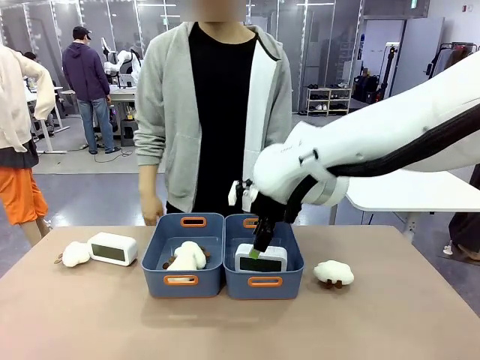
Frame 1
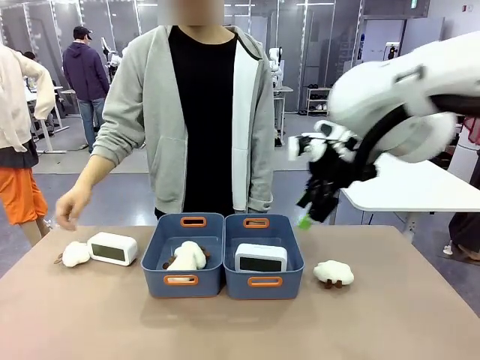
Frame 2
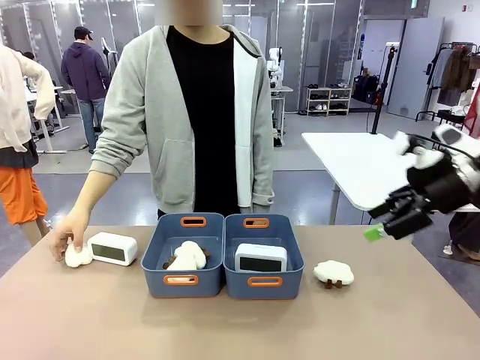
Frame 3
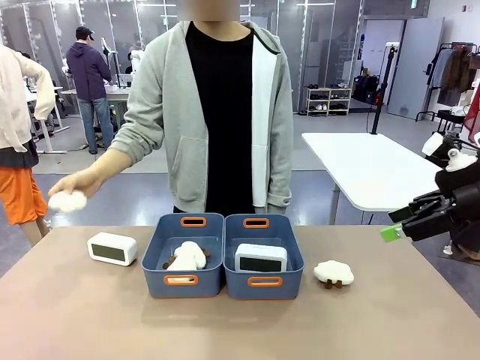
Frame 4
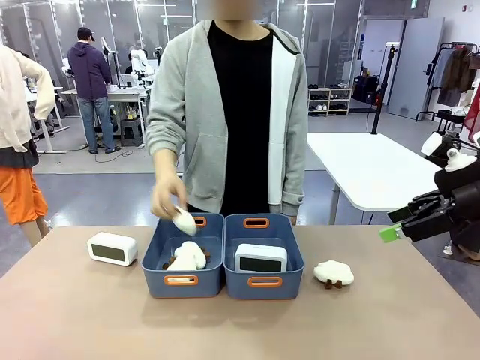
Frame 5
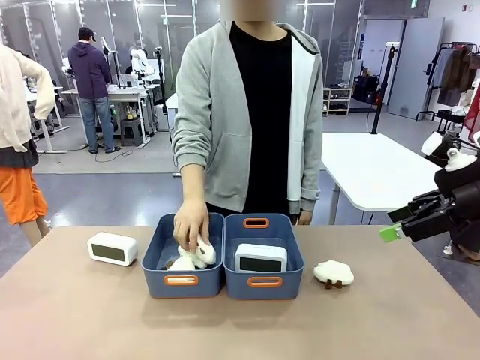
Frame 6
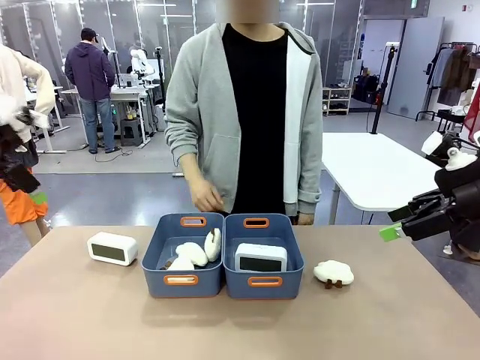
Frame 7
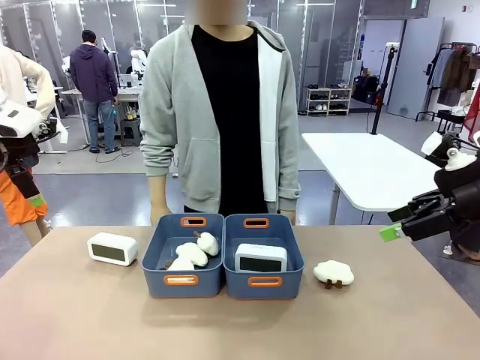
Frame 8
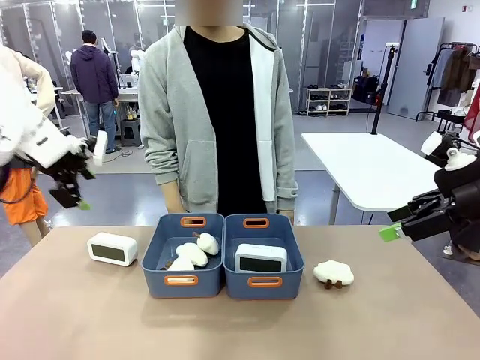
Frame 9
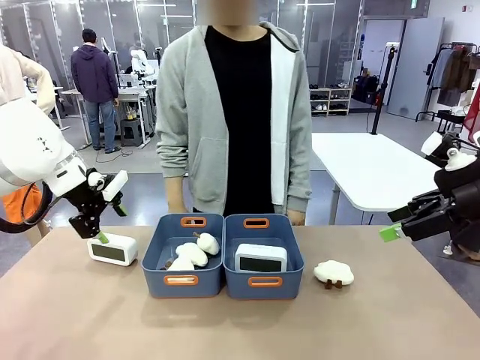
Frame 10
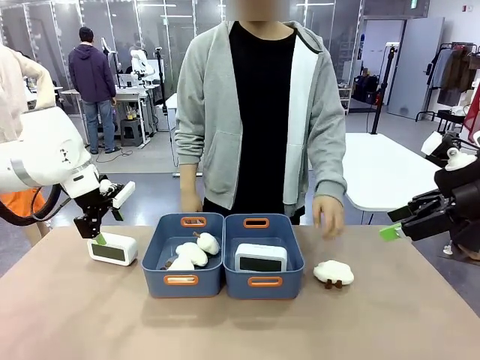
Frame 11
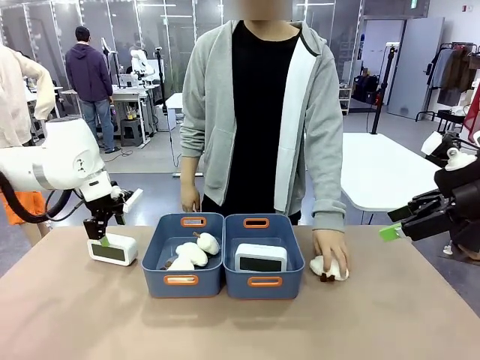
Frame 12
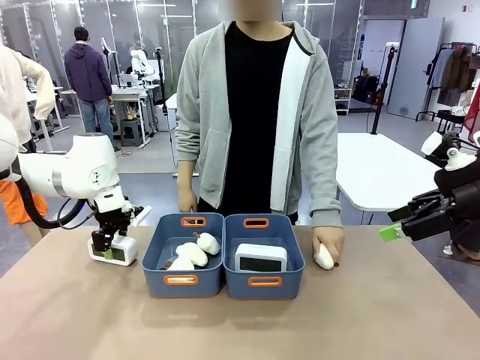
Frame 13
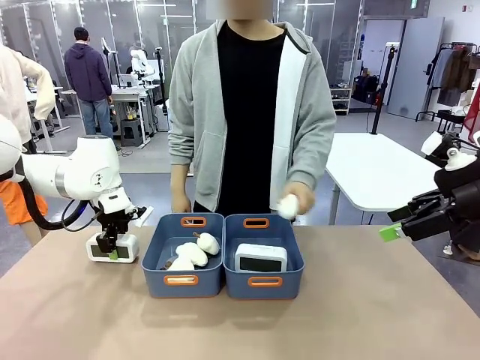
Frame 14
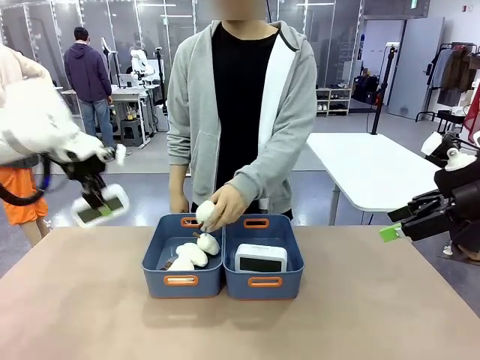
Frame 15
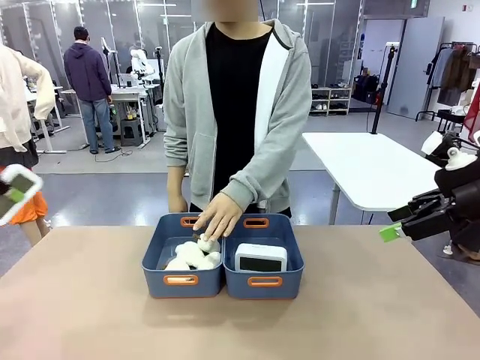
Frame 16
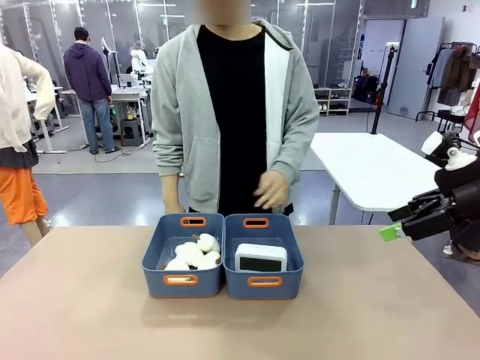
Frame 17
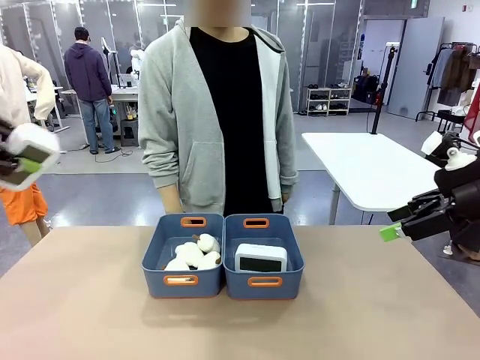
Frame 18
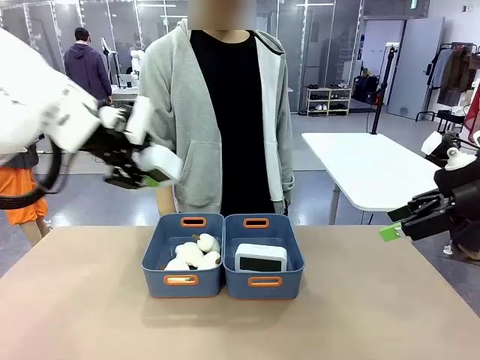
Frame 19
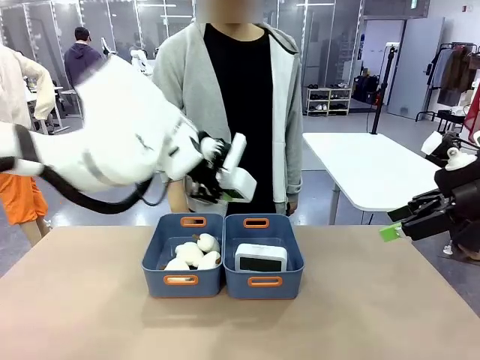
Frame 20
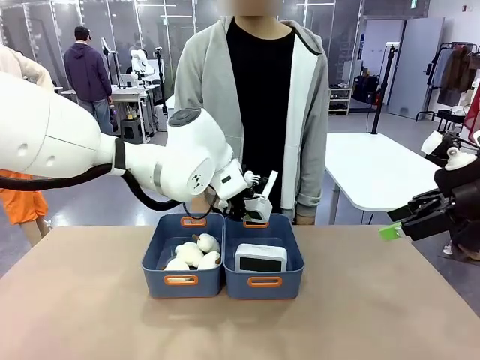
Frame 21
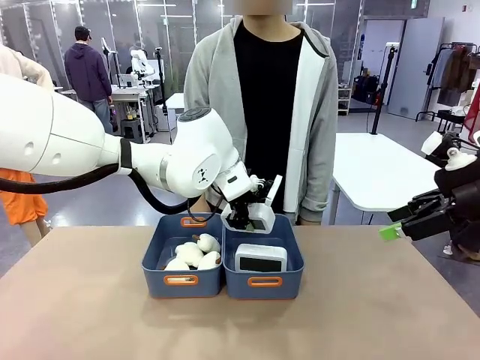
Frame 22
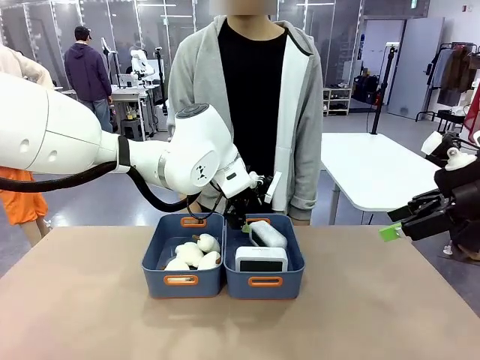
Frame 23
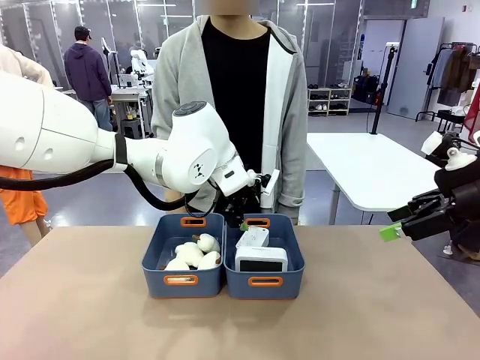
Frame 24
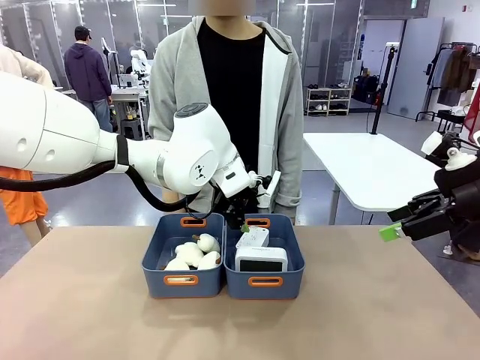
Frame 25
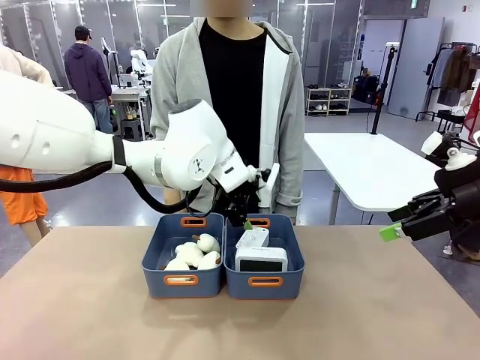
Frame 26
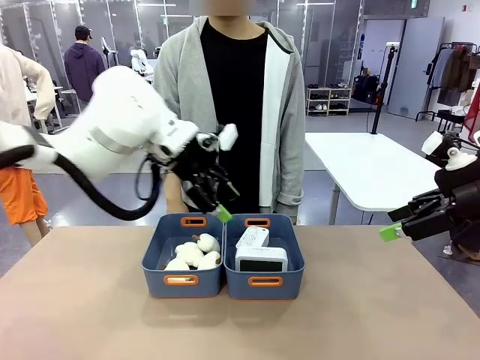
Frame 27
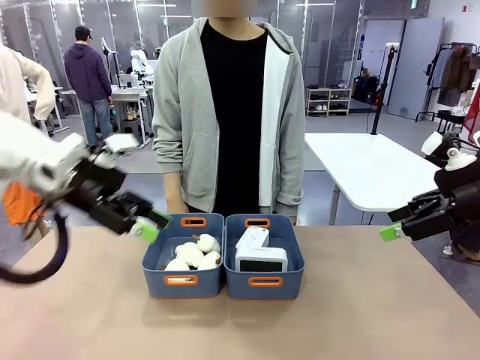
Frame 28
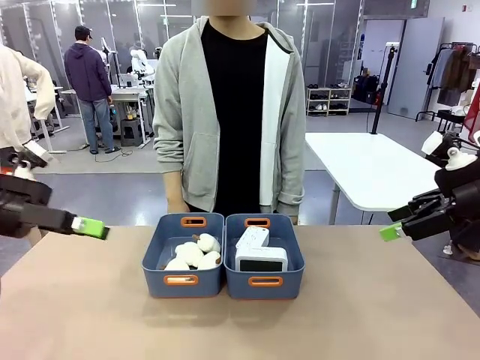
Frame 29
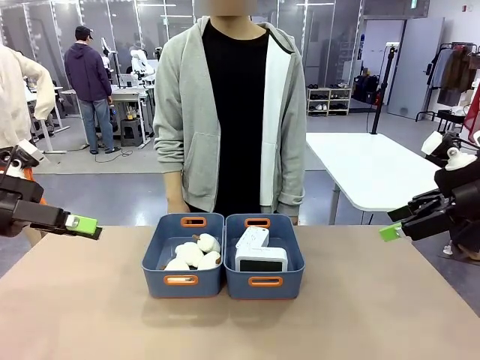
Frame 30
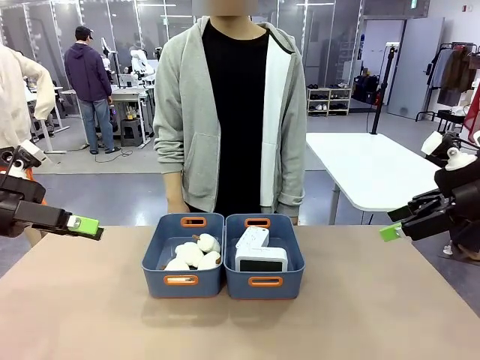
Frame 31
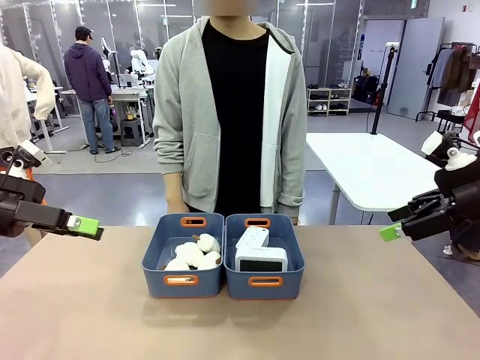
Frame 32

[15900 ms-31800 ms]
Task: Sort the digital clocks into the basket.
Robot: Pick up the Digital clock from the table and place it into the empty Plastic storage basket.
Person: Pick up a plush toy from the table and place it in the plastic storage basket containing the plush toy.

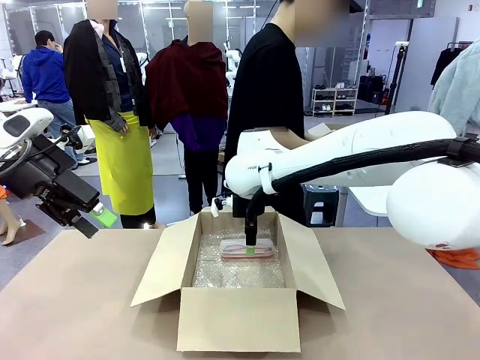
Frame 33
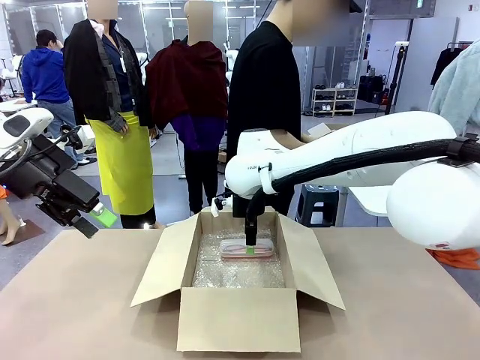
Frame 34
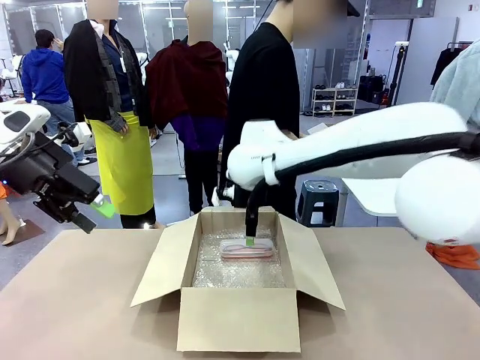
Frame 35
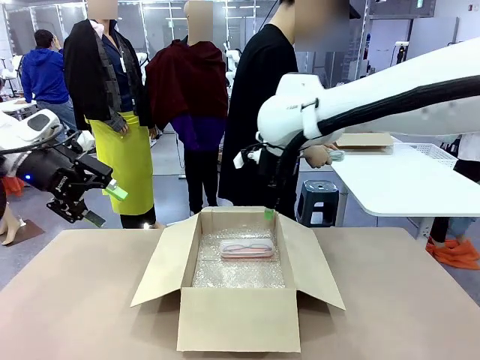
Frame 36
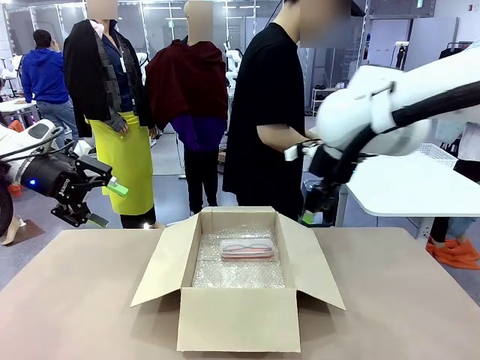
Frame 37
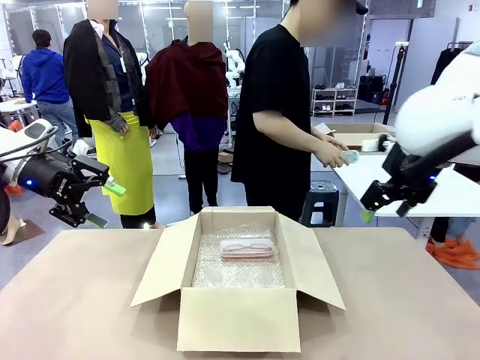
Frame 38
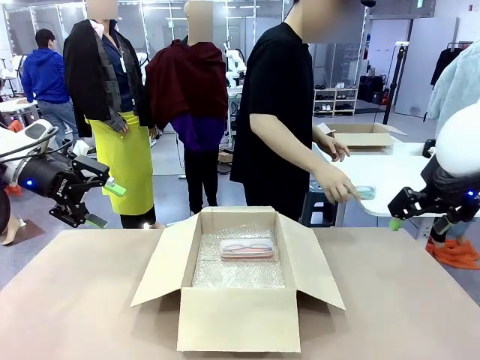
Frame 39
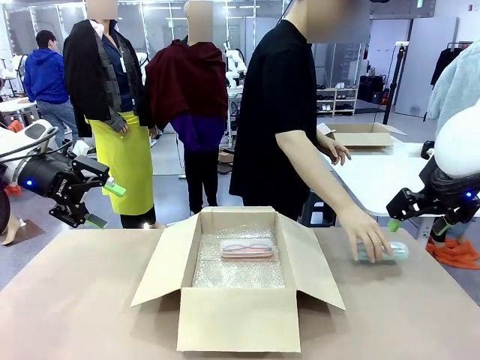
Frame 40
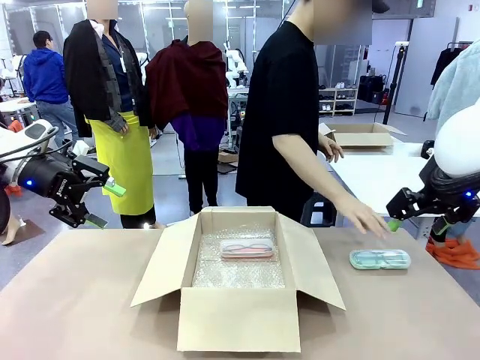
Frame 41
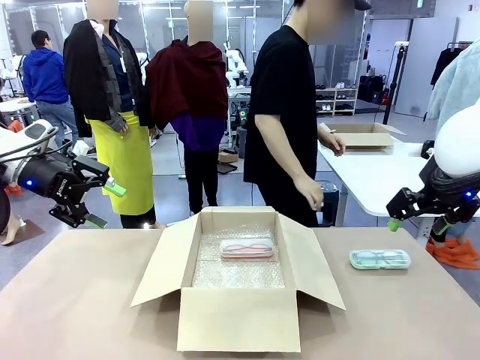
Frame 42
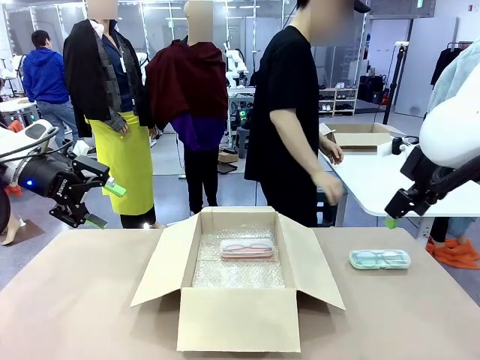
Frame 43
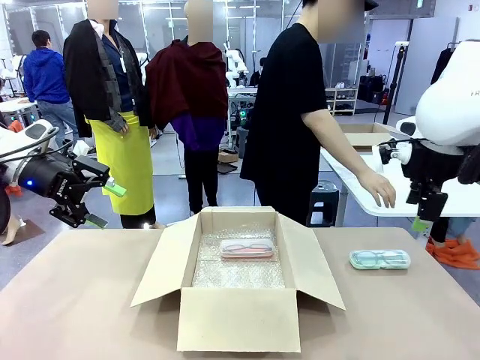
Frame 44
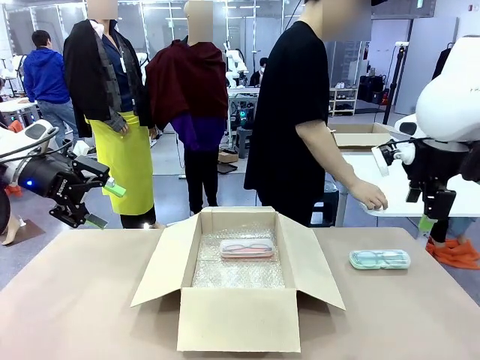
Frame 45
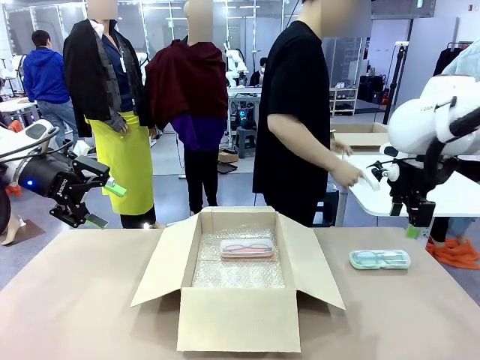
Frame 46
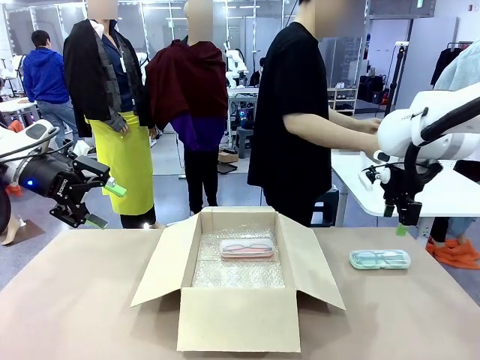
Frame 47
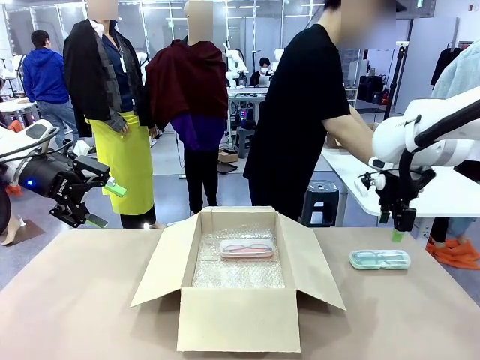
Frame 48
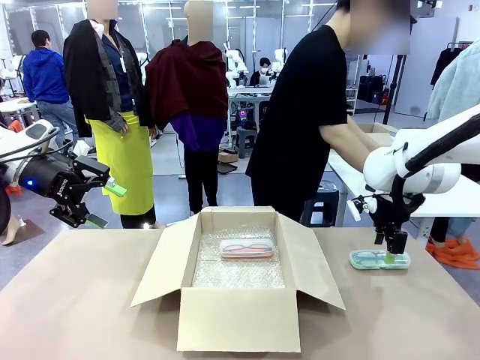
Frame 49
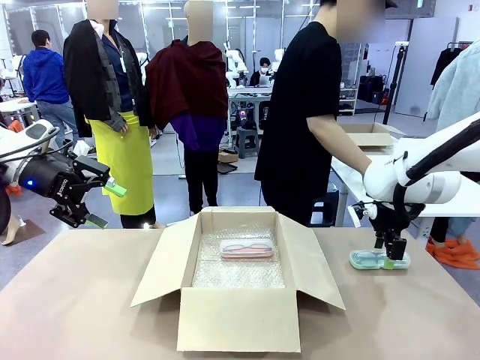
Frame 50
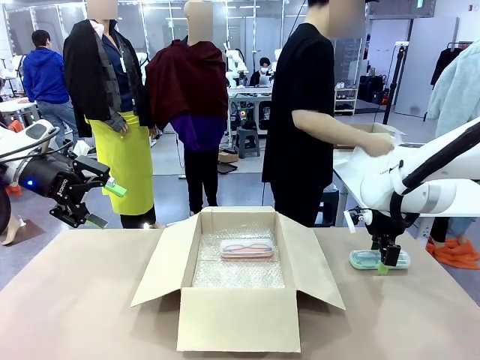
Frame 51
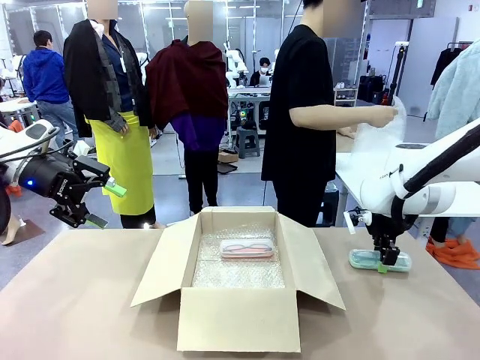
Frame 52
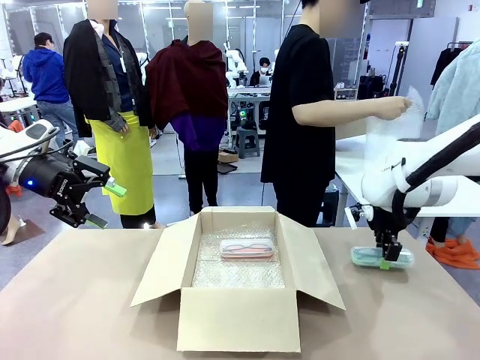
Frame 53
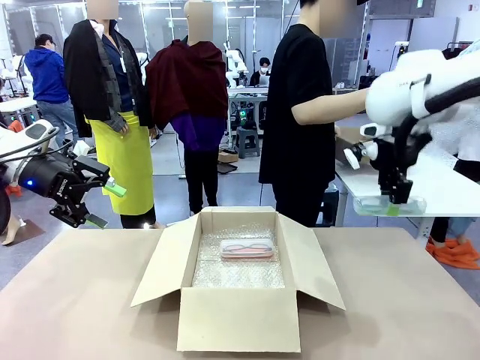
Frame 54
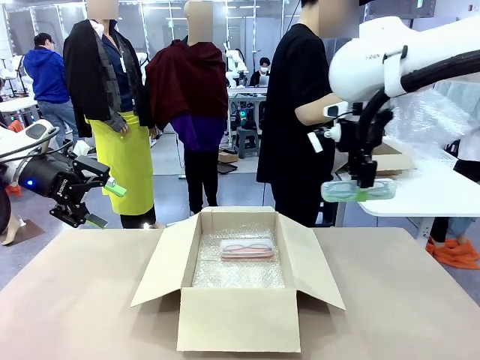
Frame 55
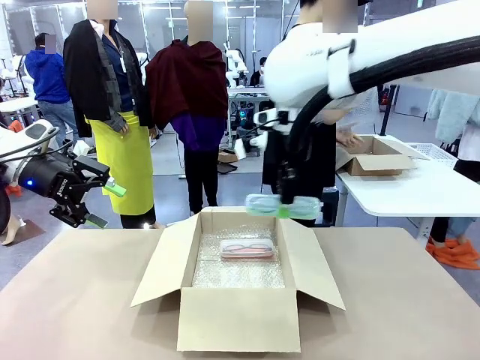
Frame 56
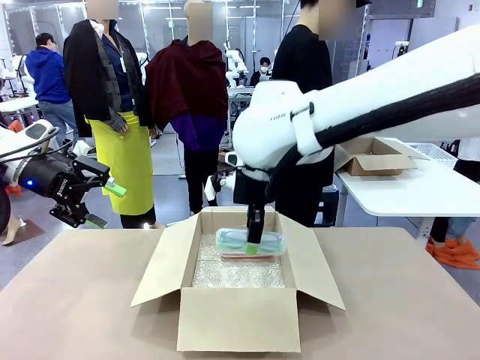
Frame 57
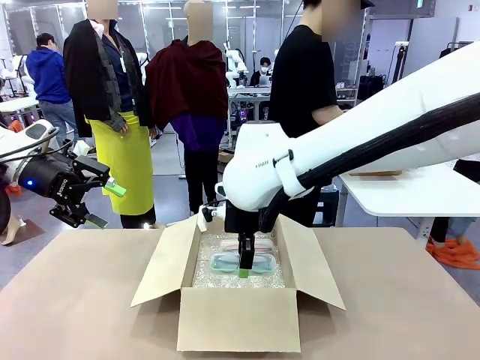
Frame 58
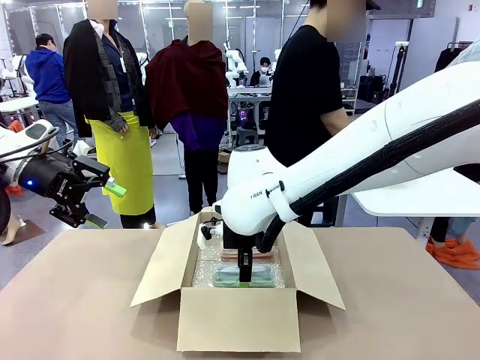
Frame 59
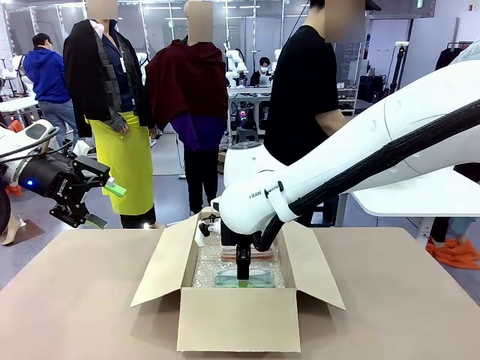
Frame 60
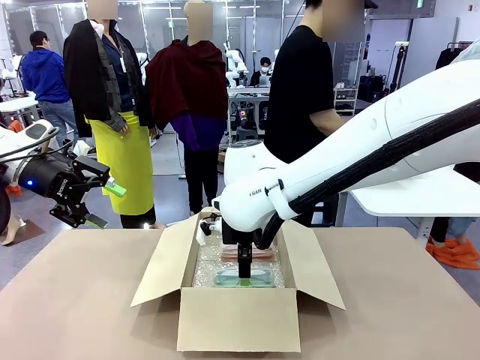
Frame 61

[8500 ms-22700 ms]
Task: Pack the glasses set securely to prepare it for shipping.
Robot: Put the Glasses case from the right side of the table into the Package Box.
Person: Position the Glasses case on the left side of the robot's table.
